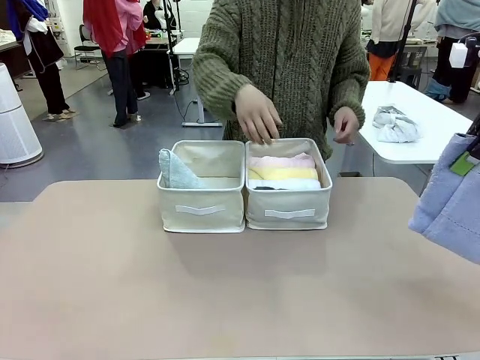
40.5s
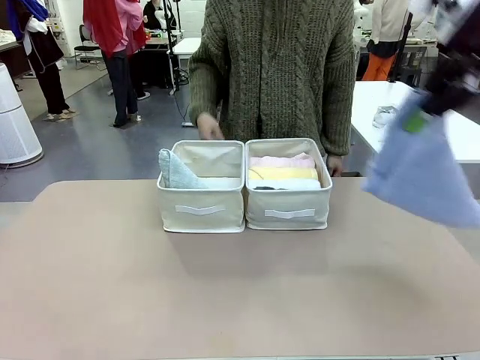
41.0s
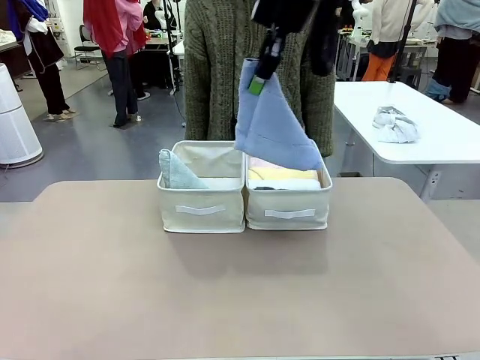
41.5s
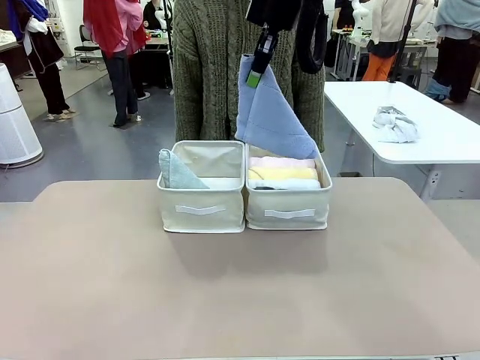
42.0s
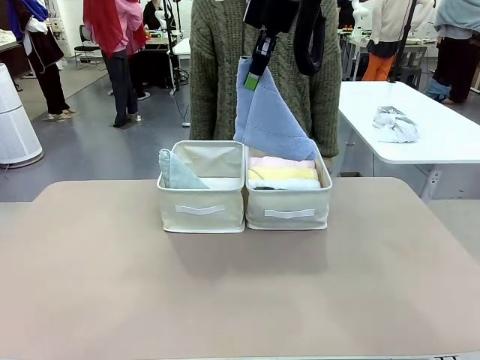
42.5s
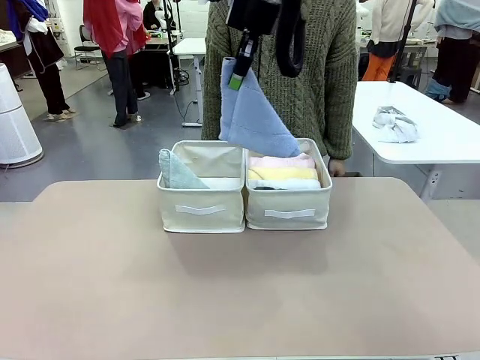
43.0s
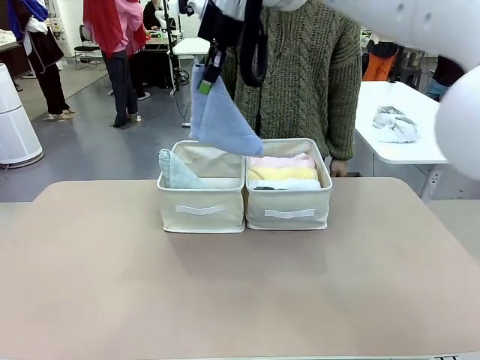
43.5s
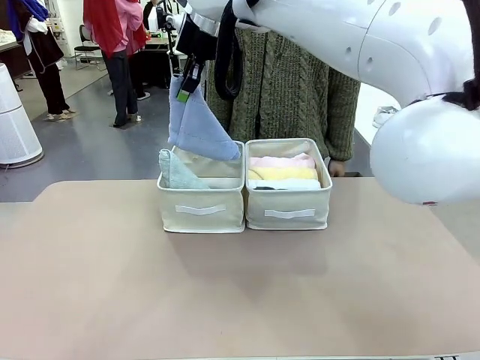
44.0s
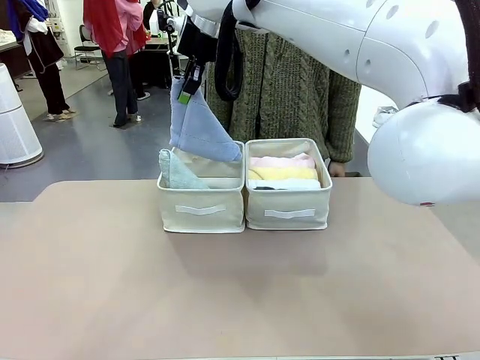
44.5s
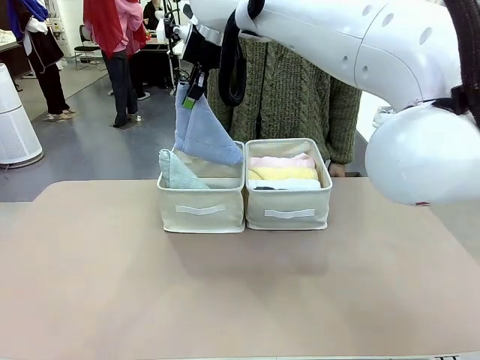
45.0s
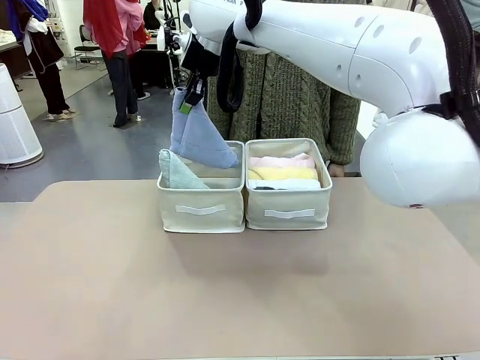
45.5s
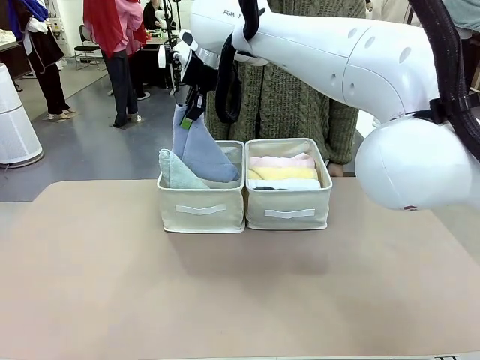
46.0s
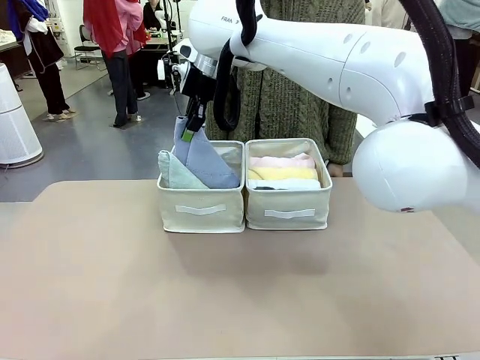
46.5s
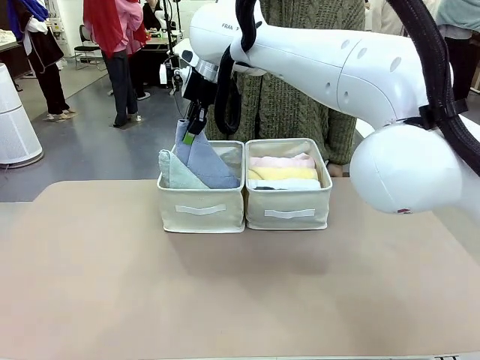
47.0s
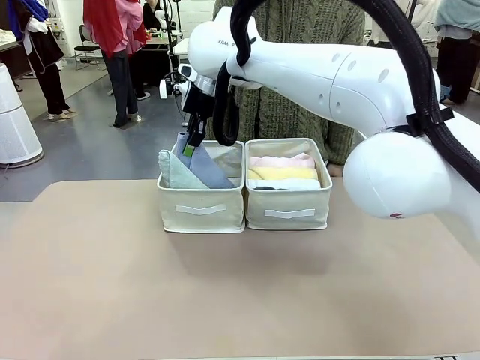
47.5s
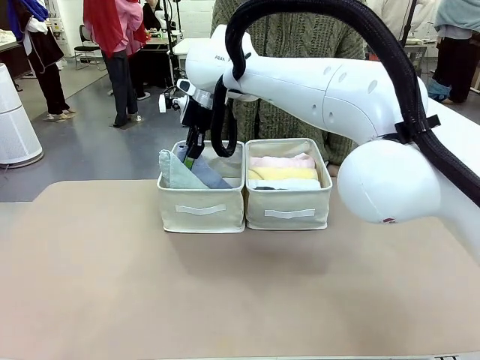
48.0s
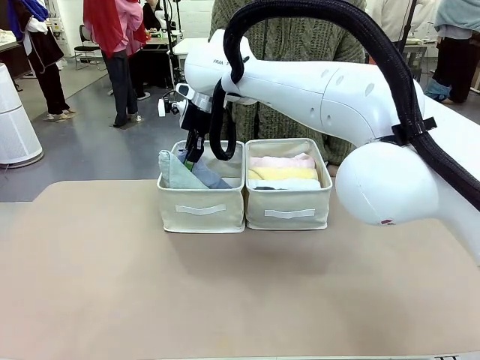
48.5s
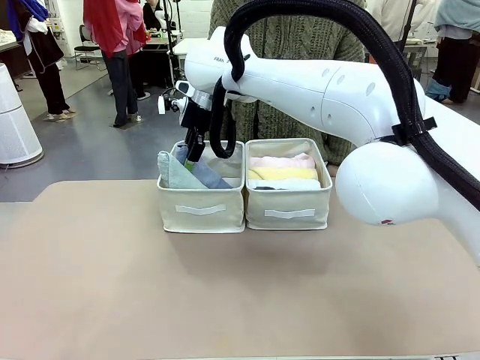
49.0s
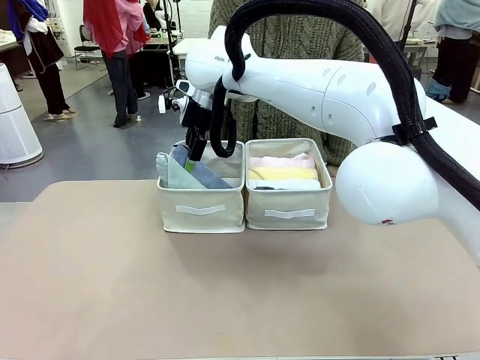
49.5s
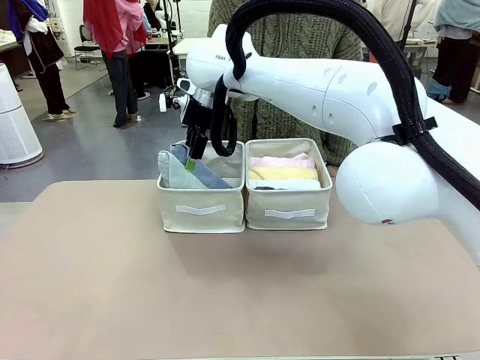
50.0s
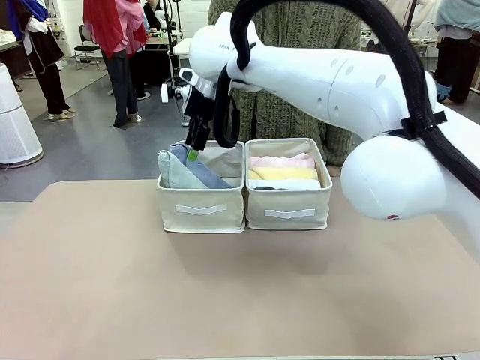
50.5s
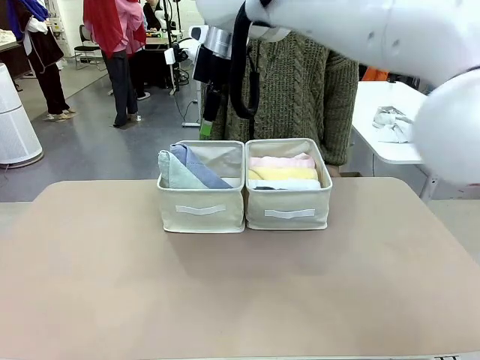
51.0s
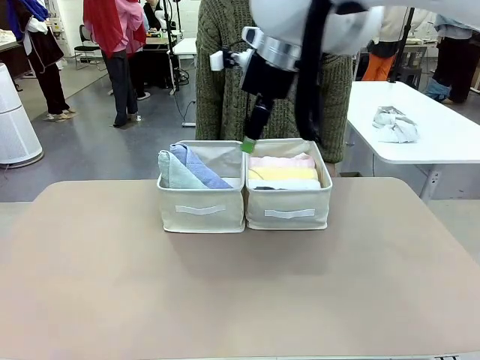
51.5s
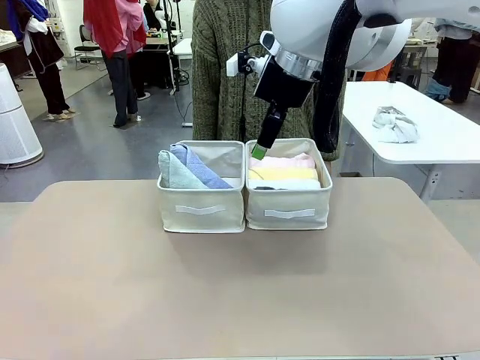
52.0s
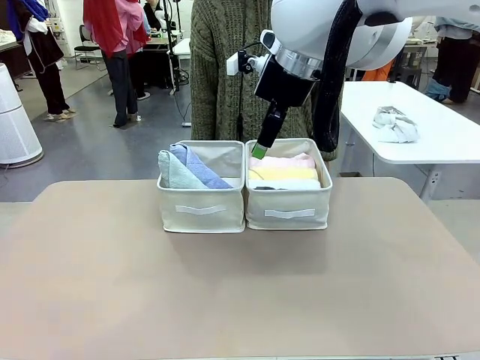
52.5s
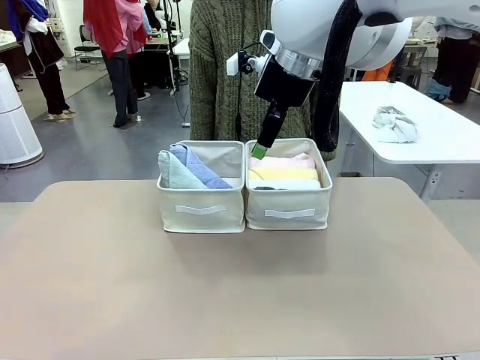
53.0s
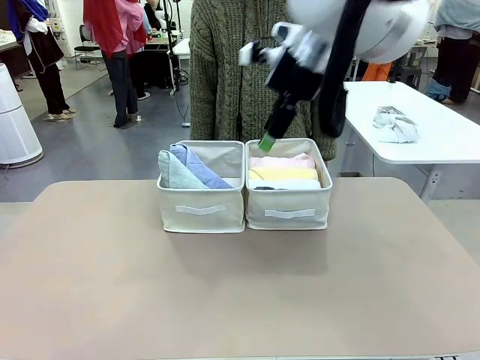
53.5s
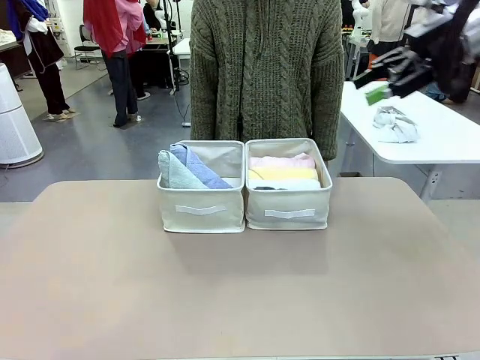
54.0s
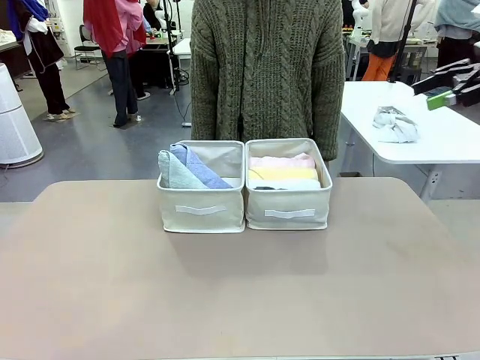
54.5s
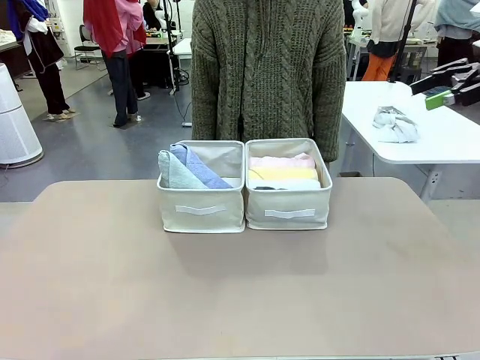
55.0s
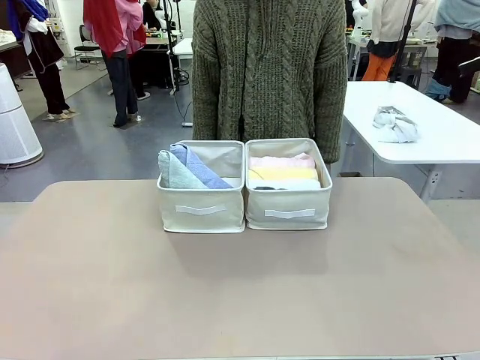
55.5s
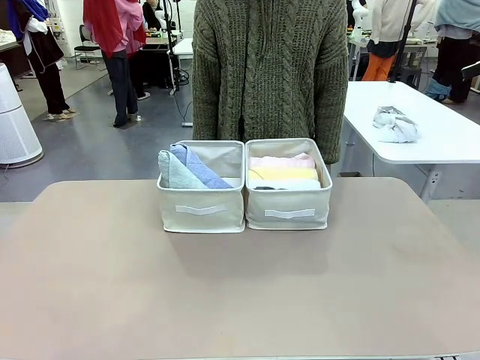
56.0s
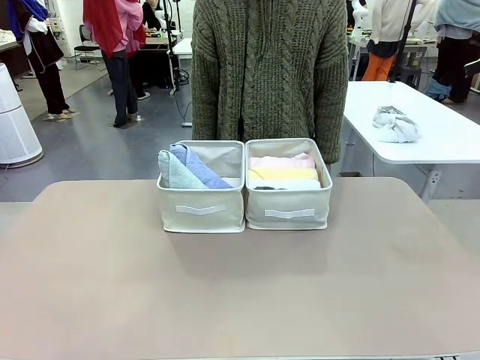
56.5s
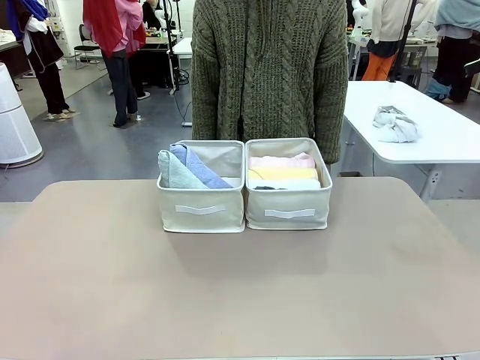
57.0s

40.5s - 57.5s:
Task: Sort the towels based on their folding style.
Robot: Pick up another triangle-folded towel from the table and place it in the left Fabric basket.

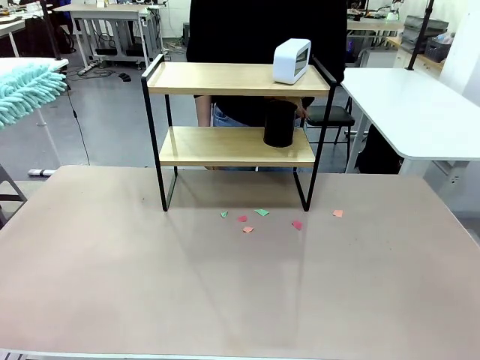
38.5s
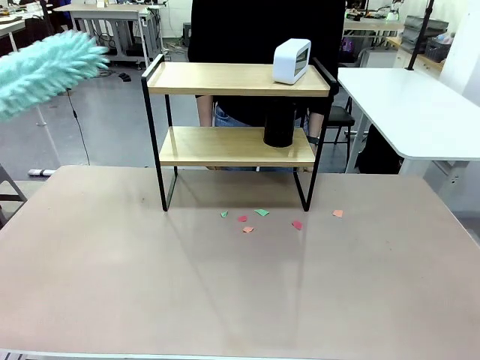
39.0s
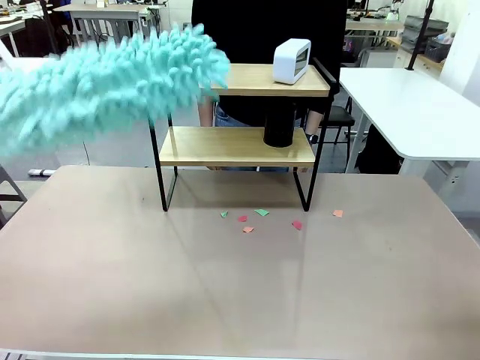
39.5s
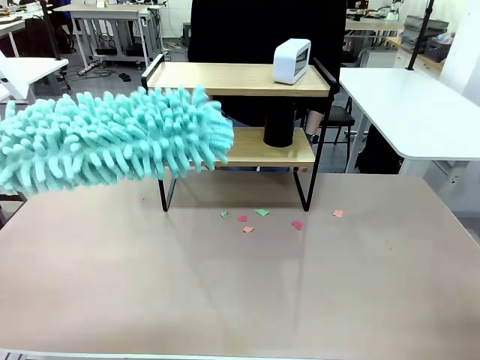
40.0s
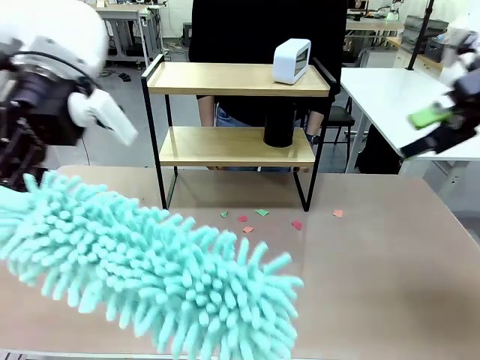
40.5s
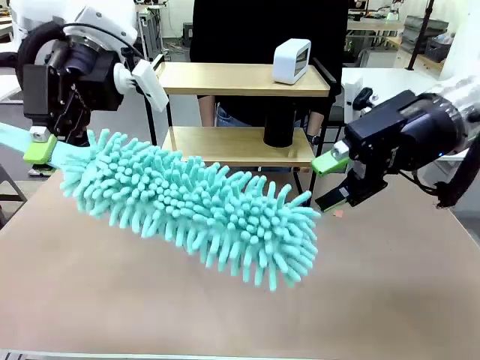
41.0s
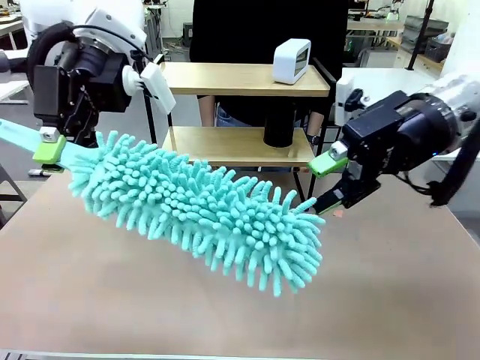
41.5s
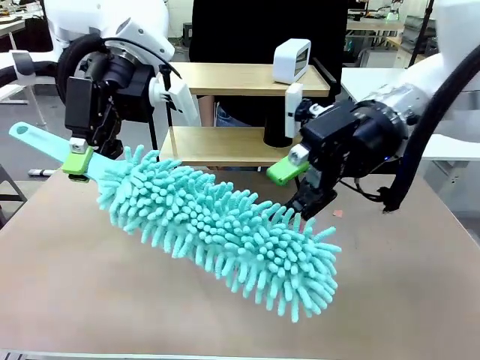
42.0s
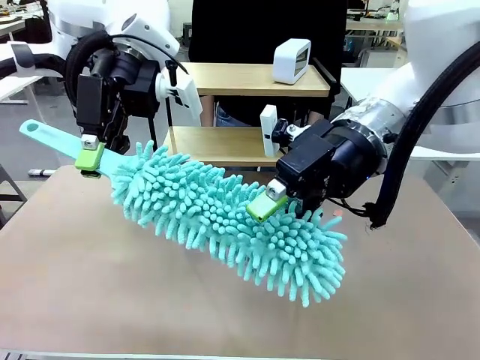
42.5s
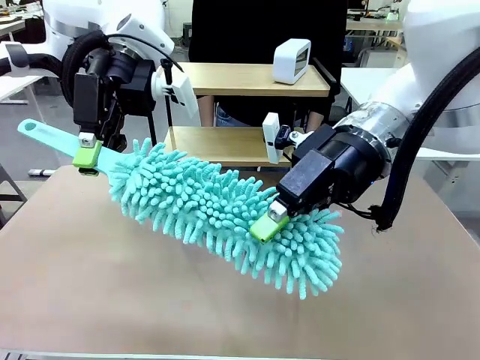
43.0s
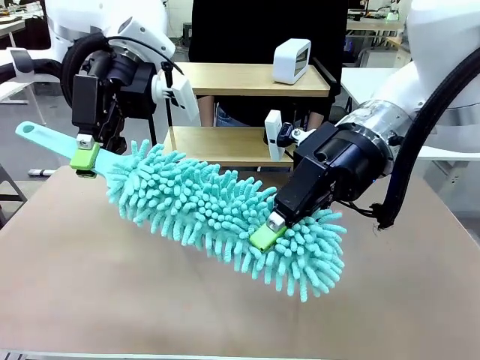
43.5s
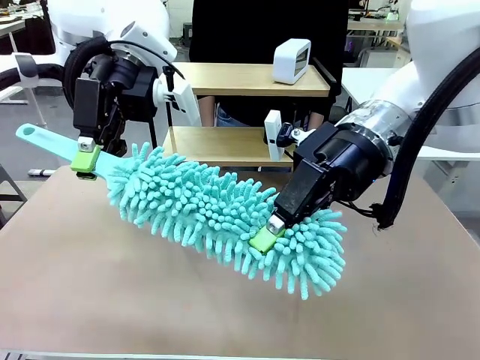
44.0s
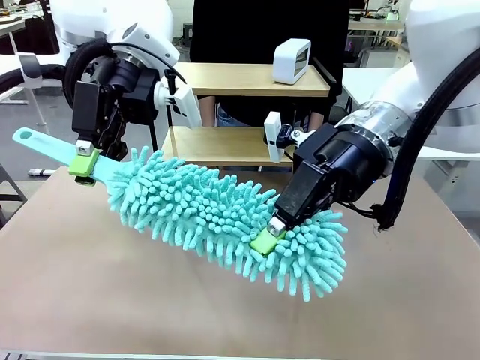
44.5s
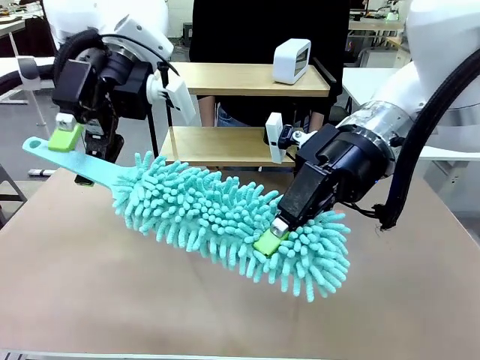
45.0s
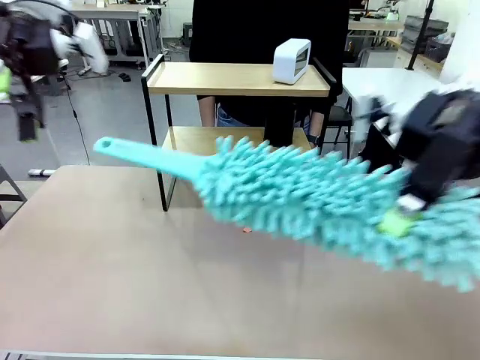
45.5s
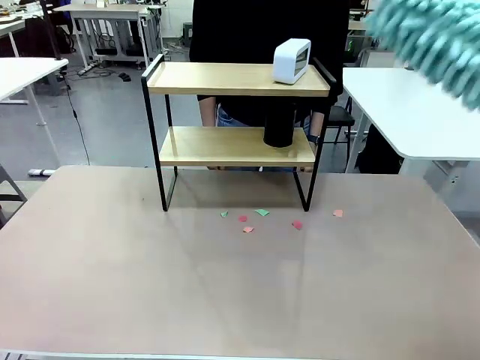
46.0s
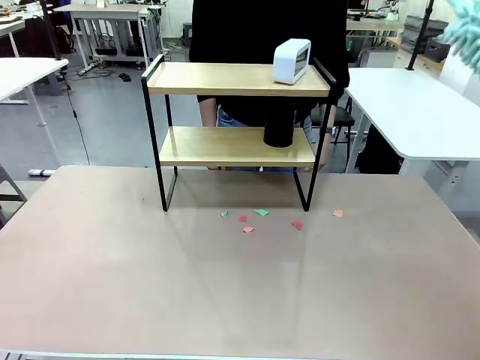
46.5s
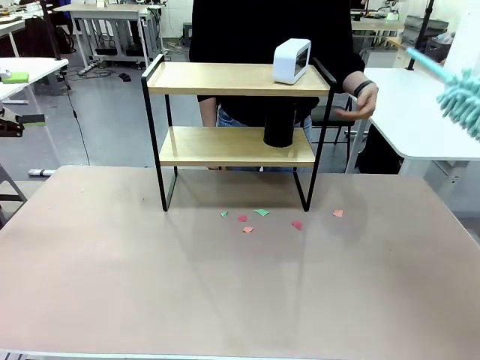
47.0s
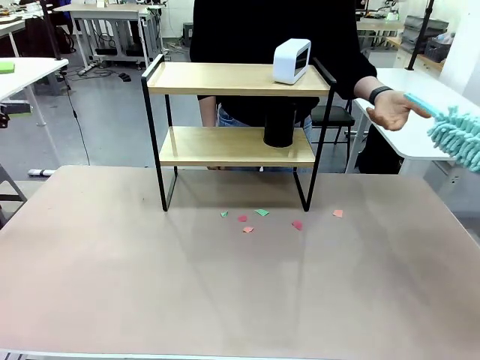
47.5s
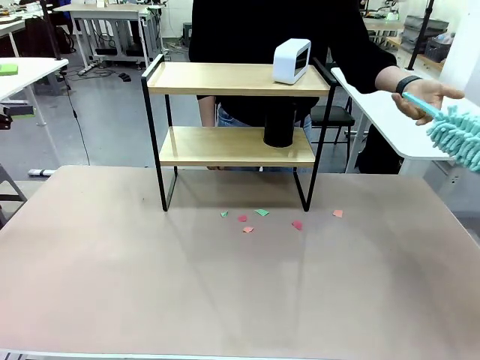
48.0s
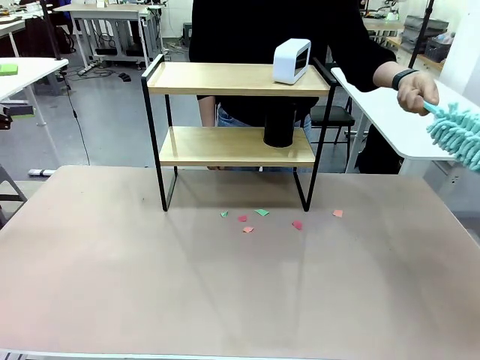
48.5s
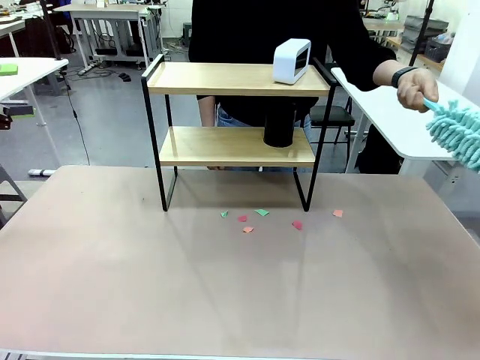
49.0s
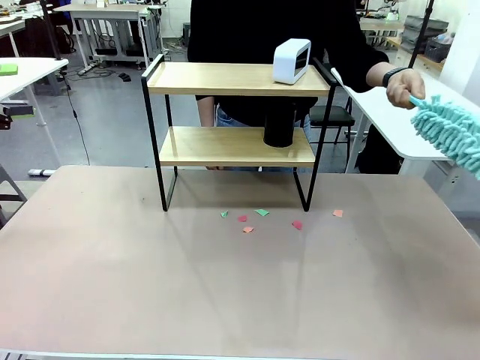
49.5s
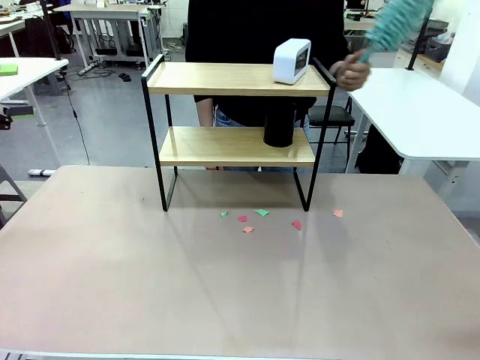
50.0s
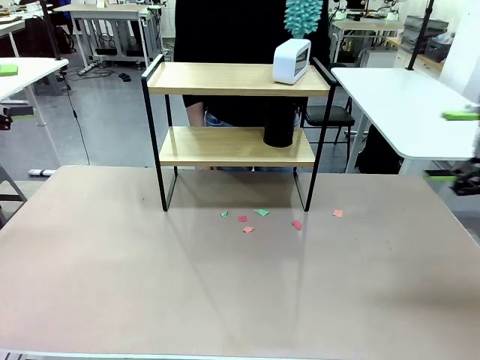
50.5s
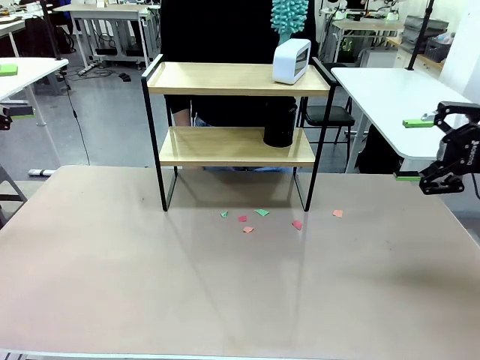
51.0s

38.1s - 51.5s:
Task: Clean the shelf.
Robot: Hand the Duster back to the human.
